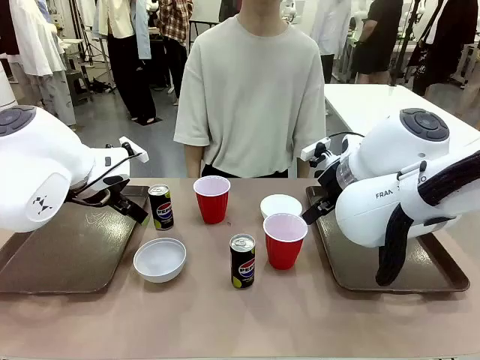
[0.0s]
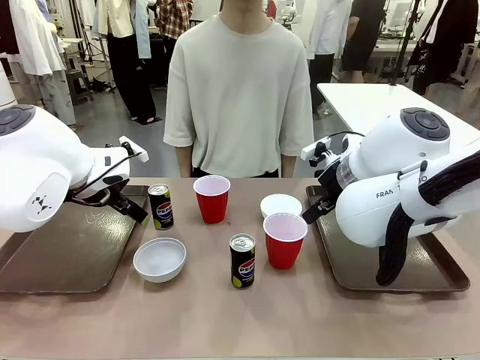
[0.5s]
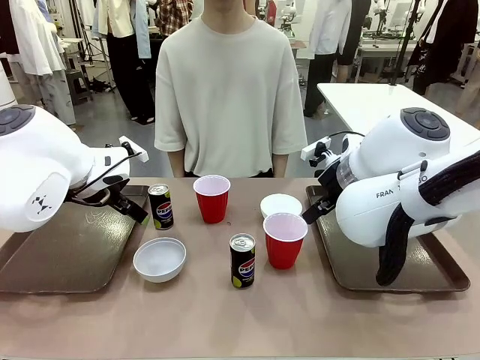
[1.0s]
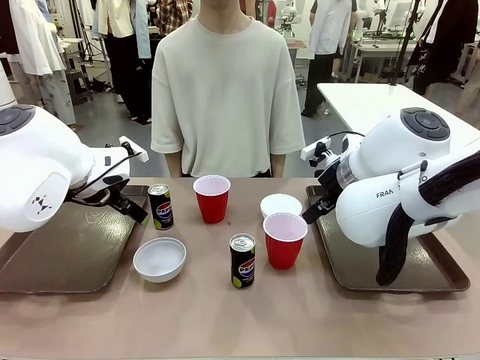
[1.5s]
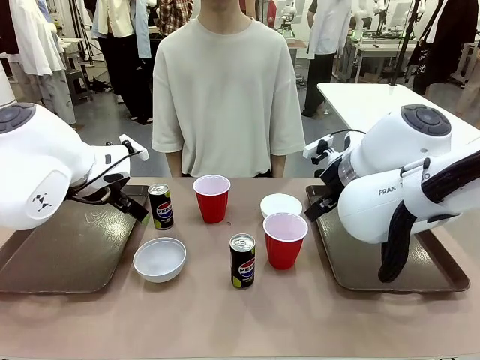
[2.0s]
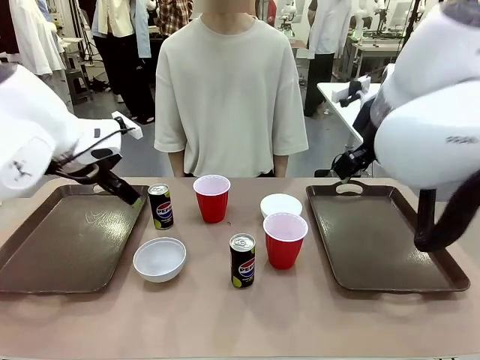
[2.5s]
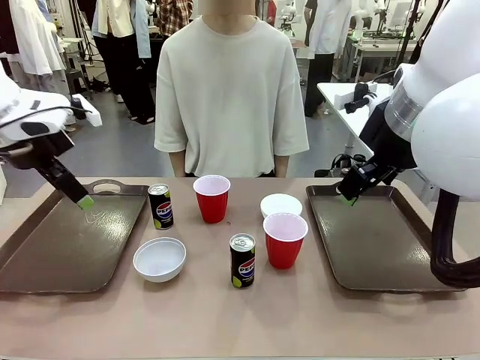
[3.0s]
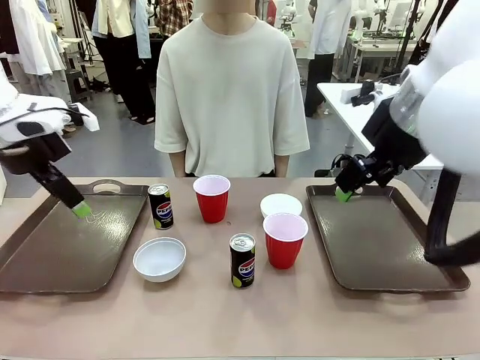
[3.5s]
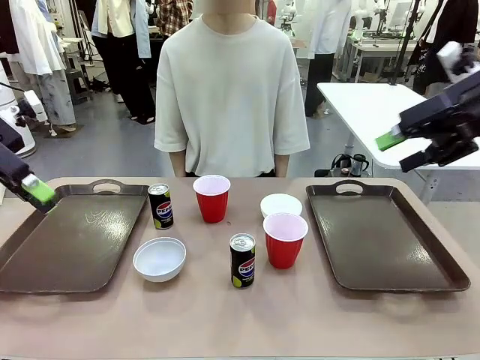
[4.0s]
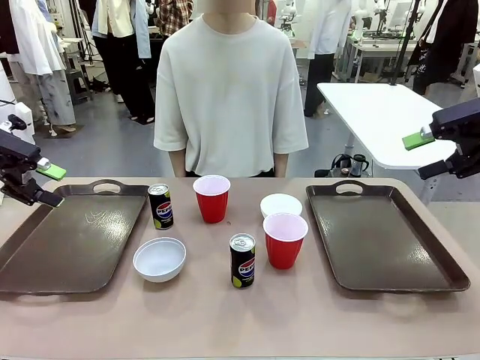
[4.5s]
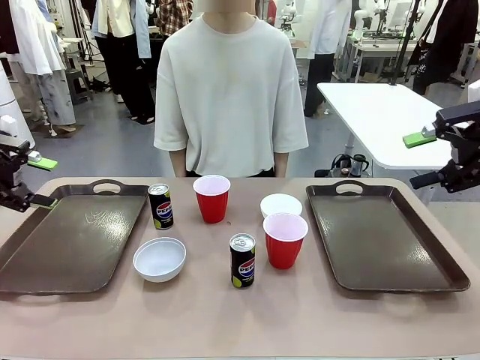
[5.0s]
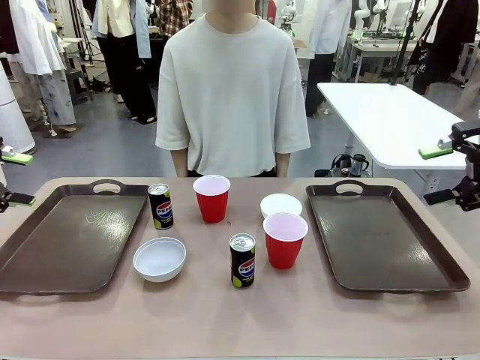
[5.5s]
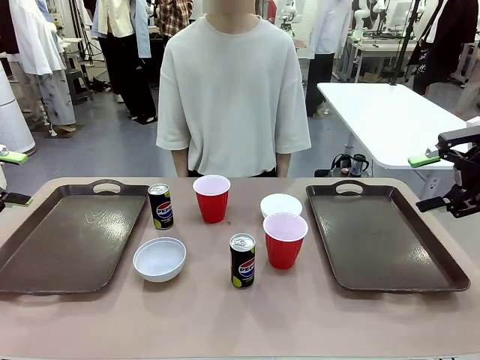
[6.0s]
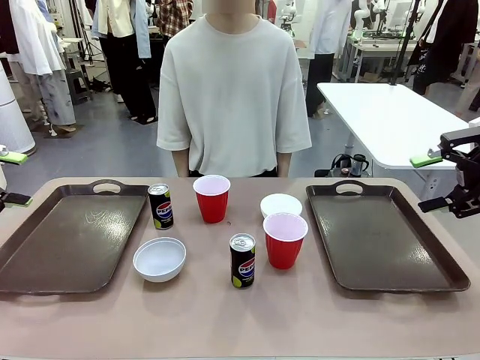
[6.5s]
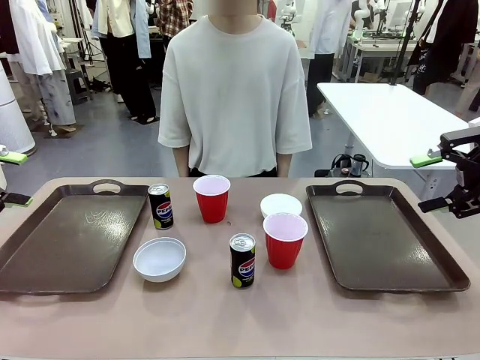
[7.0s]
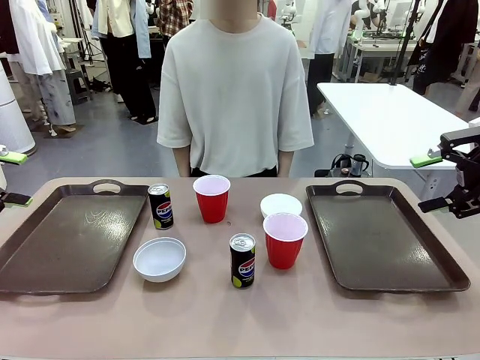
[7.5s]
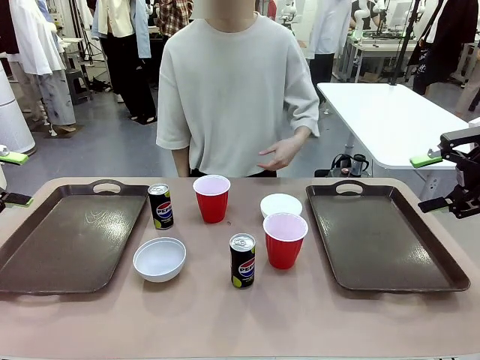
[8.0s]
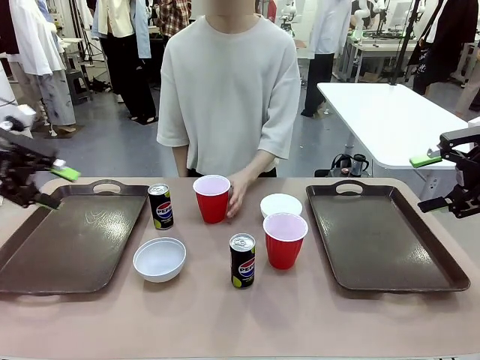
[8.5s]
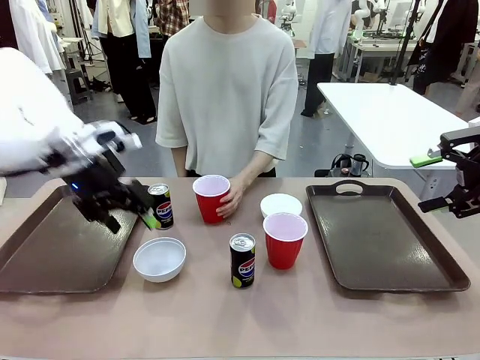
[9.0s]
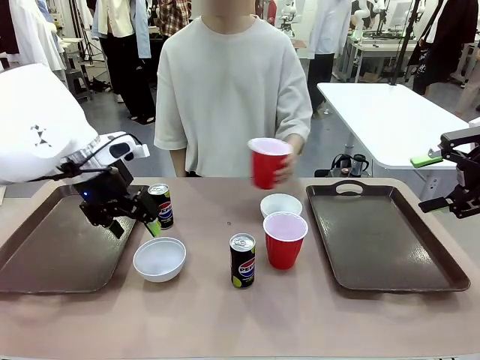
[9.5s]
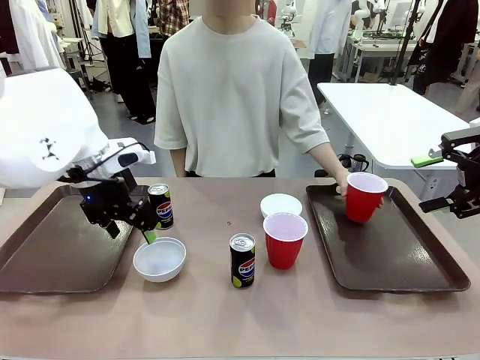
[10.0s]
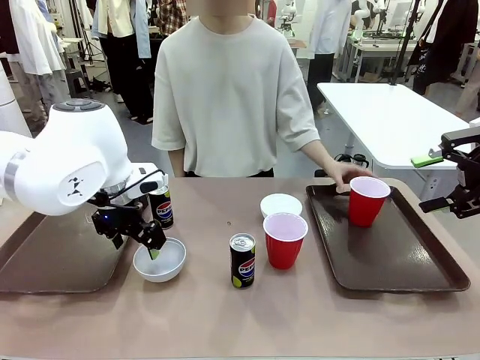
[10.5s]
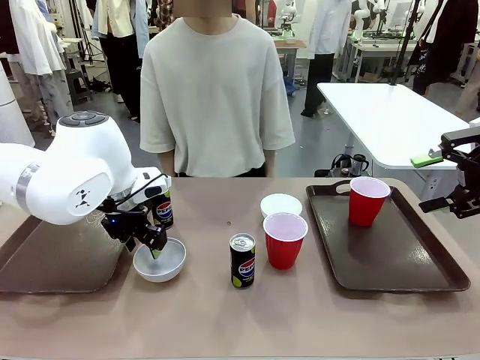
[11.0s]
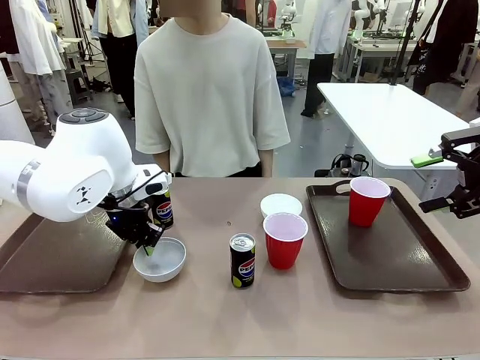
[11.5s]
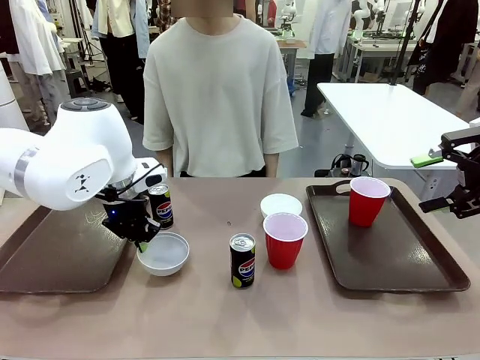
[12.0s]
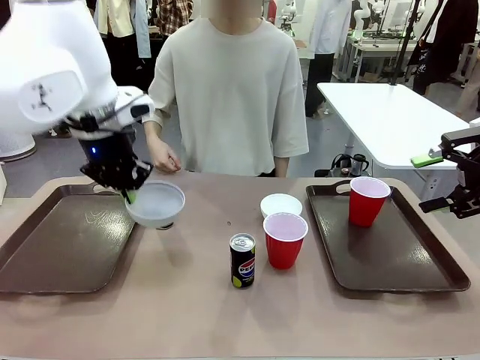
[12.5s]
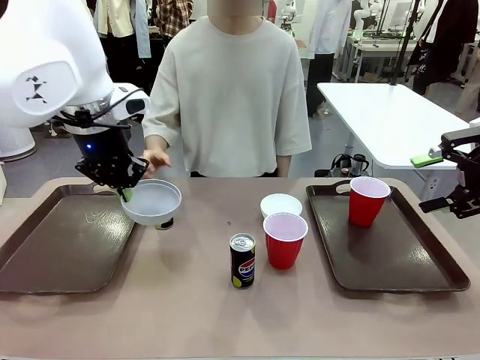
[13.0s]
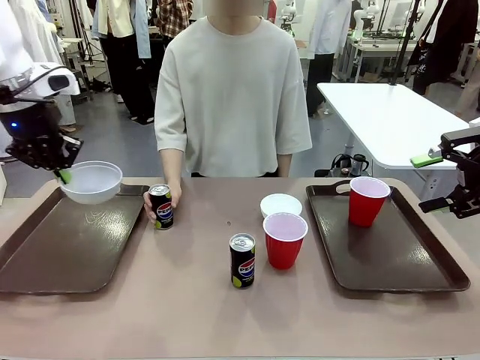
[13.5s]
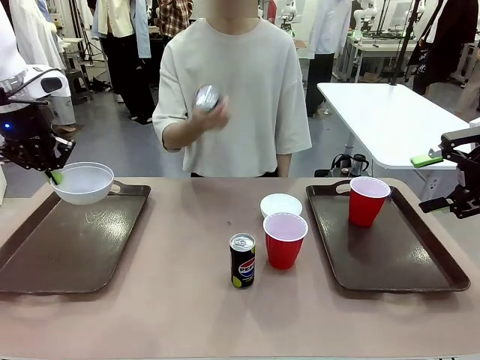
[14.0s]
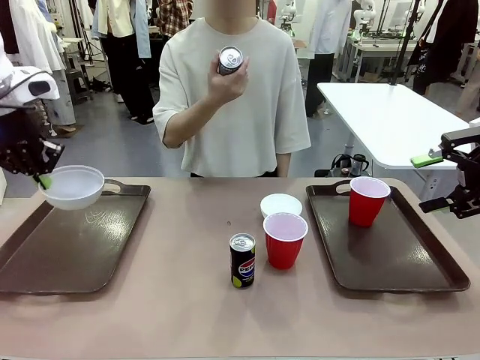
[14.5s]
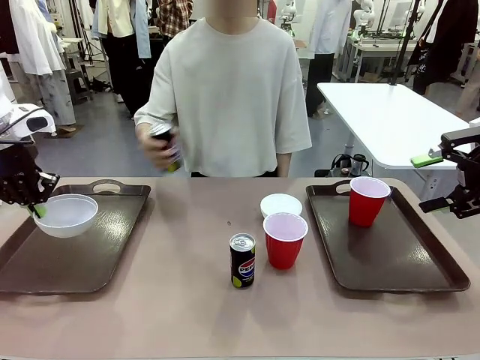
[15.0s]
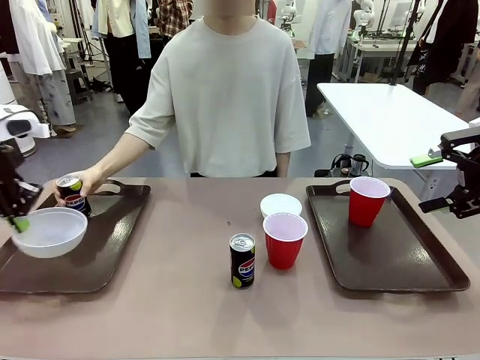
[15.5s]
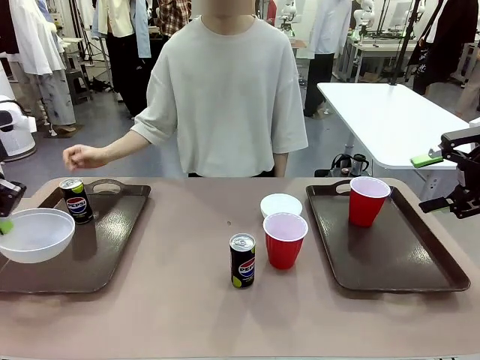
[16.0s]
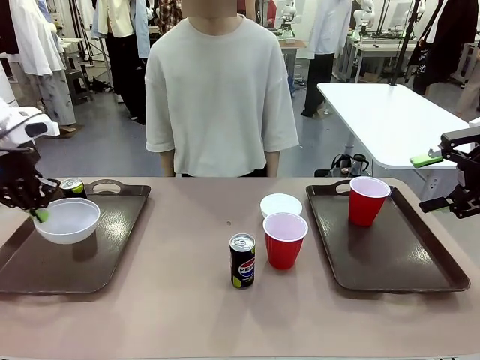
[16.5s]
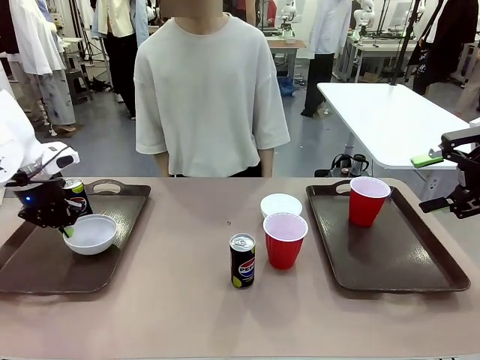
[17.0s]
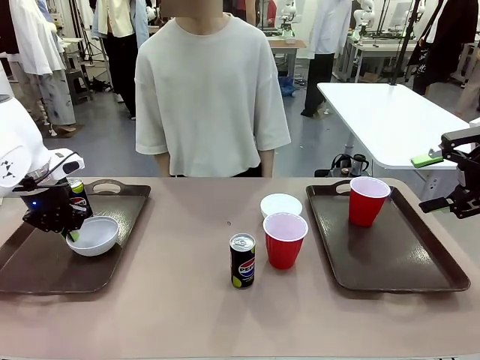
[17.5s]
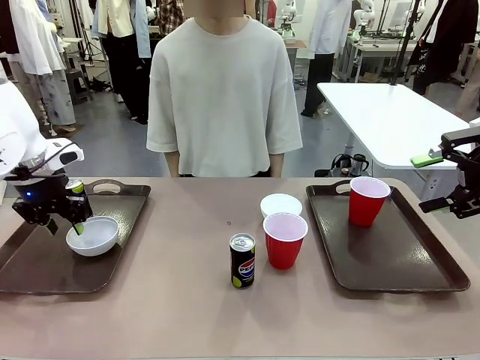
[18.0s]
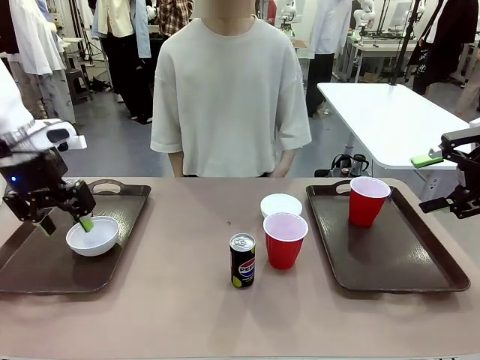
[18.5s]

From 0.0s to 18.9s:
Task: Prepare tableware on both trays.
Robot: Pick up a Picnic Bowl from the table and place it on a Handle tray.
Person: Pick up a can or cup and place it on the tray.
